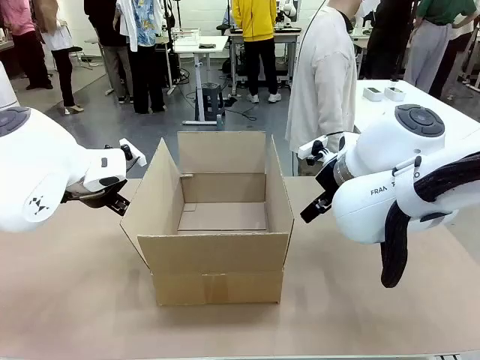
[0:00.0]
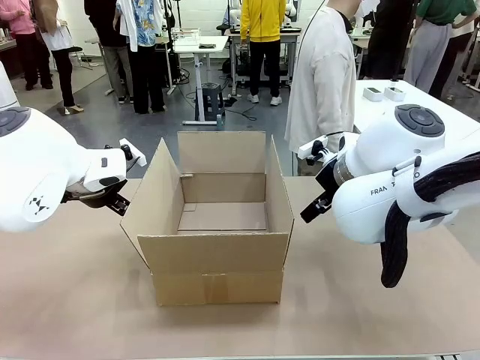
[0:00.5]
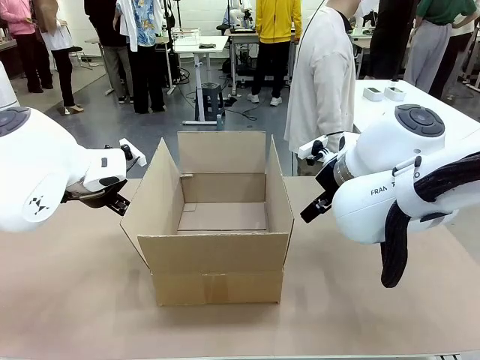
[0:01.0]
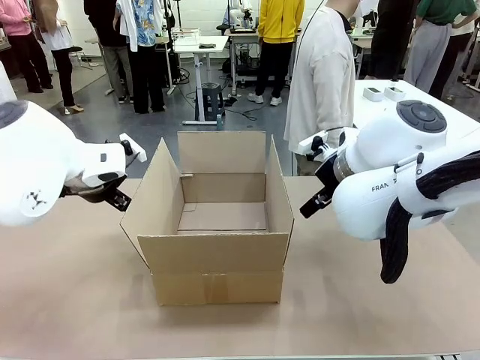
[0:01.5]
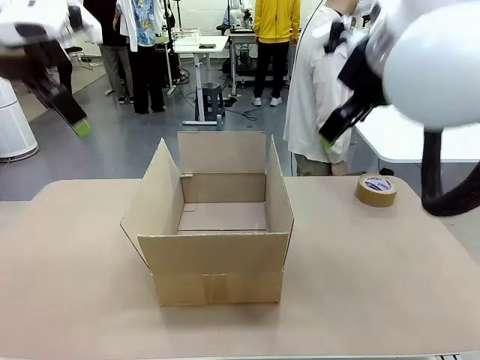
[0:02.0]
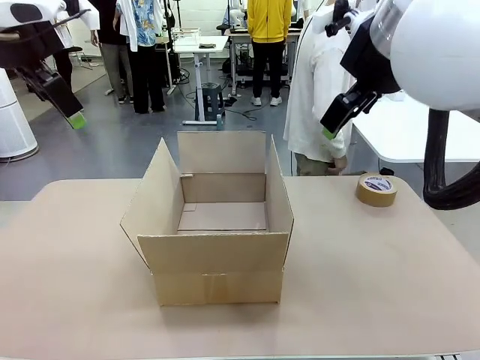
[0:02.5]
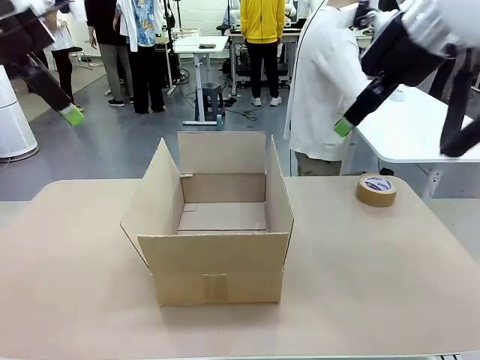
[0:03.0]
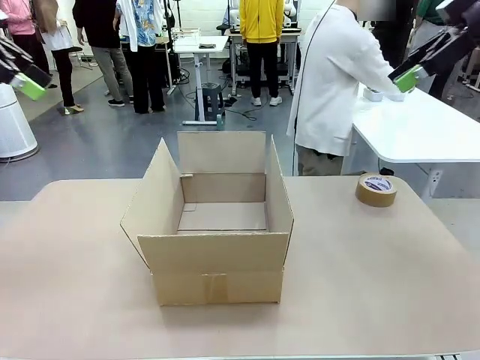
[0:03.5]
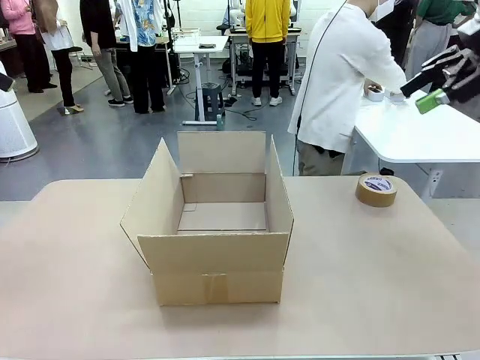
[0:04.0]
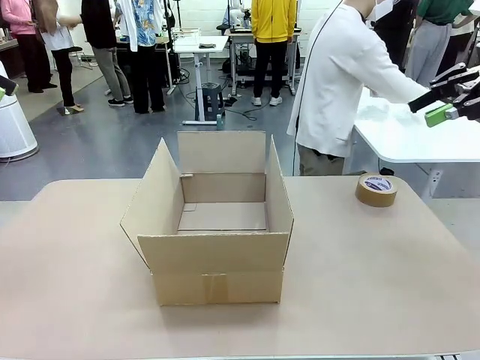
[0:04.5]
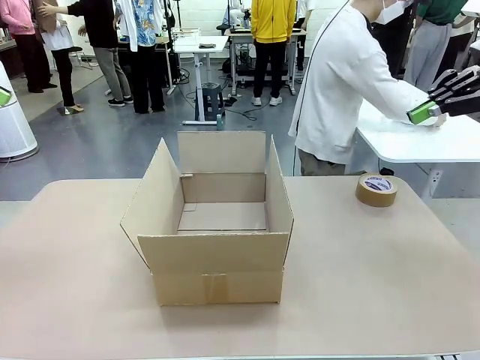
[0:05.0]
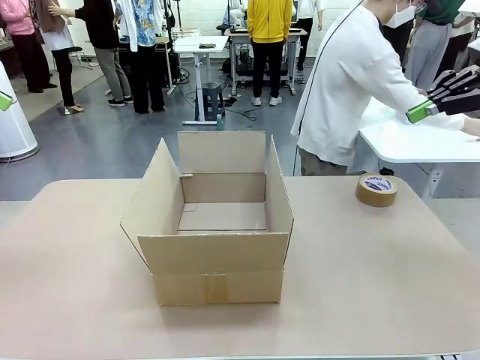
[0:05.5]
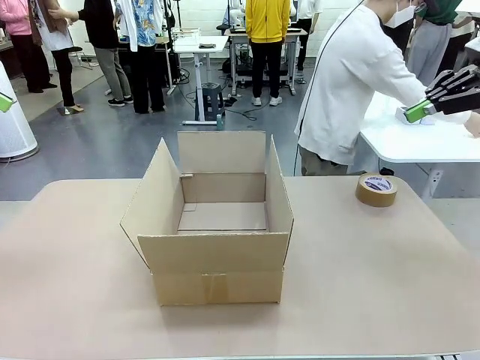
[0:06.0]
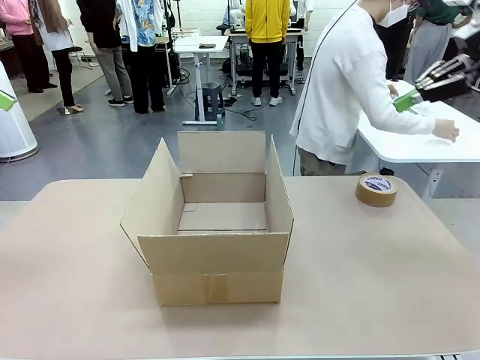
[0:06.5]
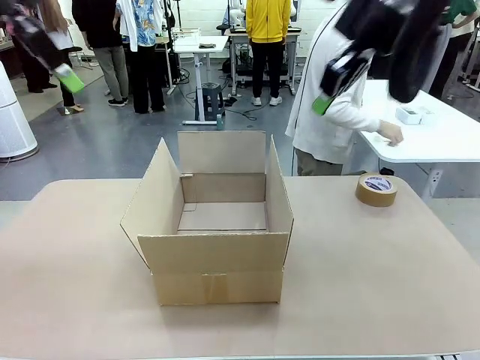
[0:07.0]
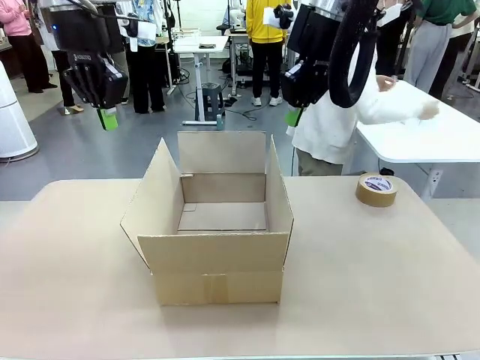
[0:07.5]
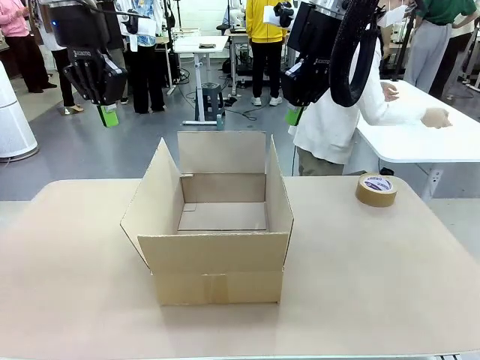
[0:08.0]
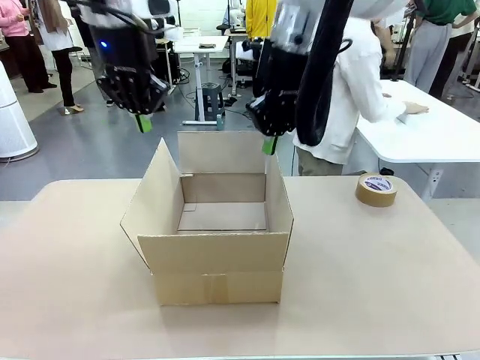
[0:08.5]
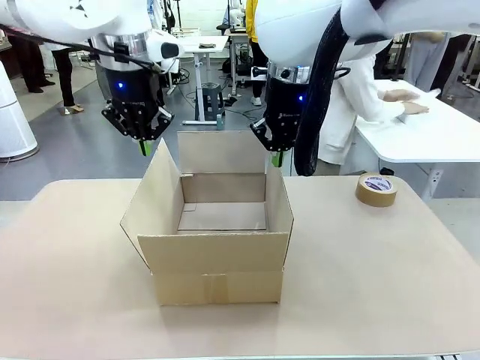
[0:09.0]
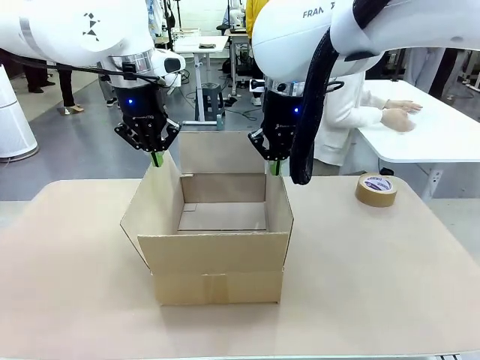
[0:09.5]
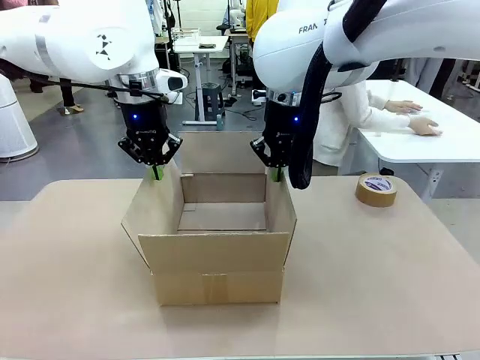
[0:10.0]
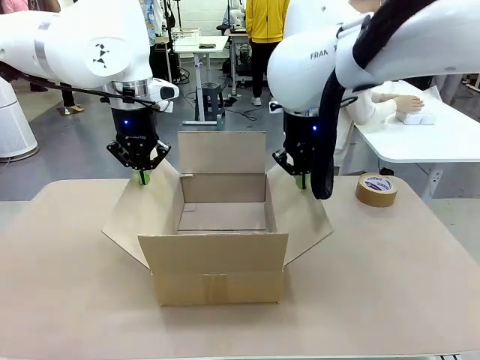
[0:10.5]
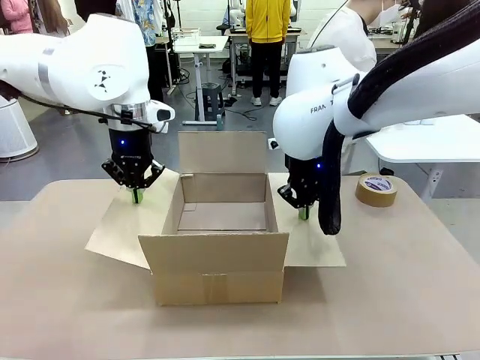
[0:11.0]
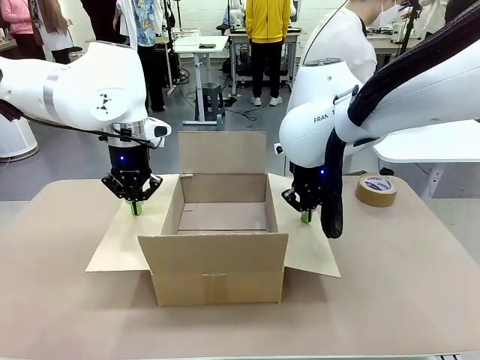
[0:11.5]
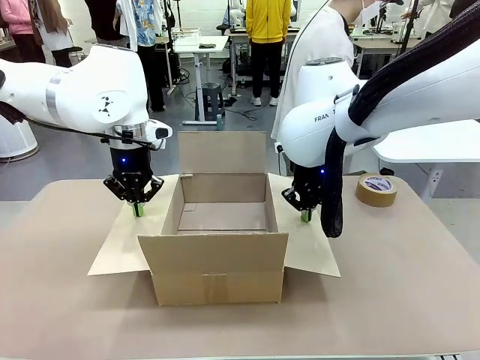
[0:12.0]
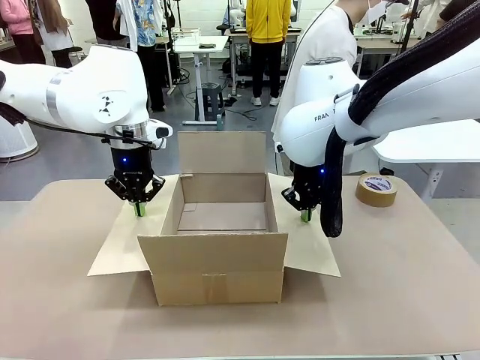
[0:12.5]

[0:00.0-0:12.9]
Task: Wrap the clocks to prevent damage.
Robot: Open the side flaps of the Package Box.
Person: Wrap the two Digital clocks with Bubble Wrap.

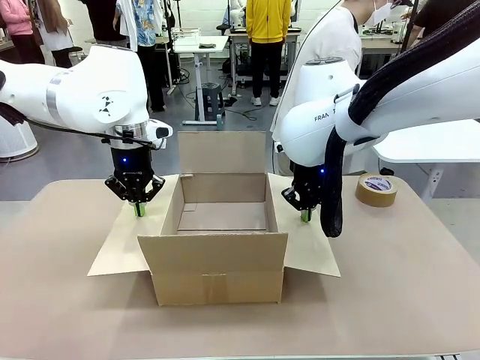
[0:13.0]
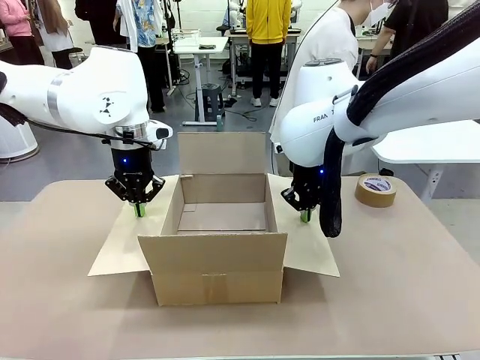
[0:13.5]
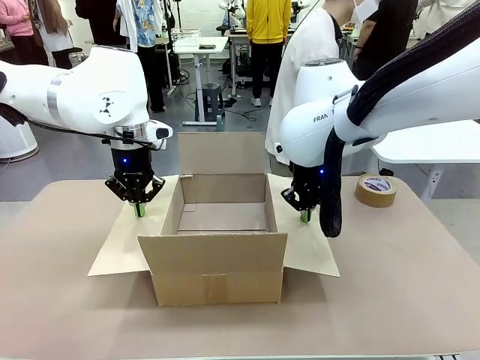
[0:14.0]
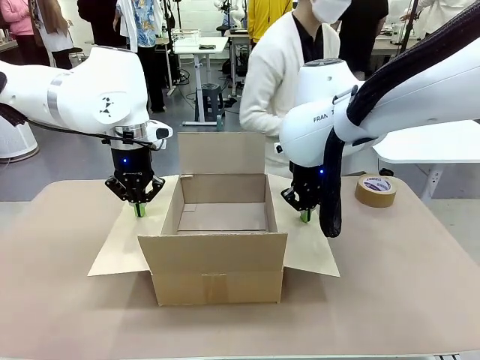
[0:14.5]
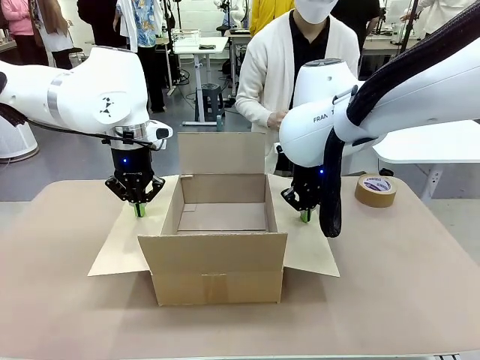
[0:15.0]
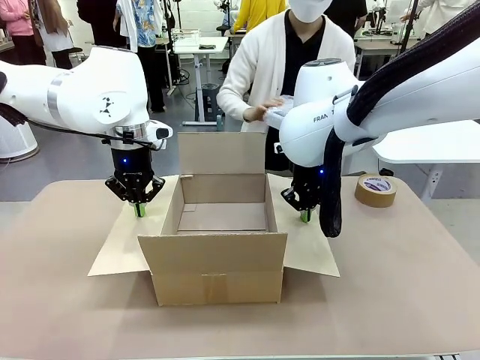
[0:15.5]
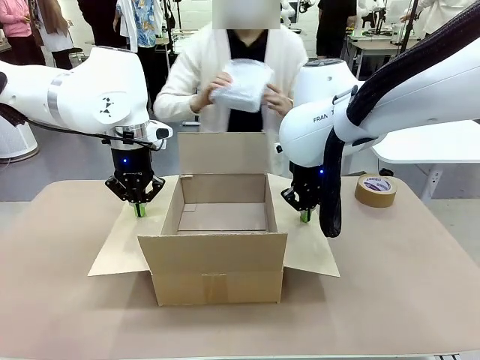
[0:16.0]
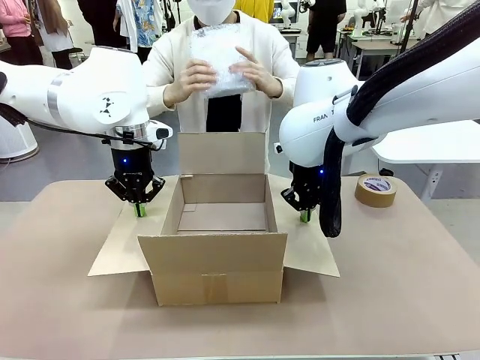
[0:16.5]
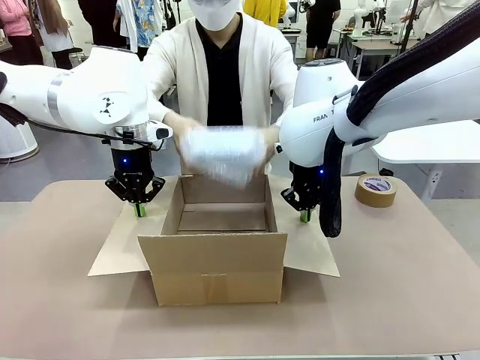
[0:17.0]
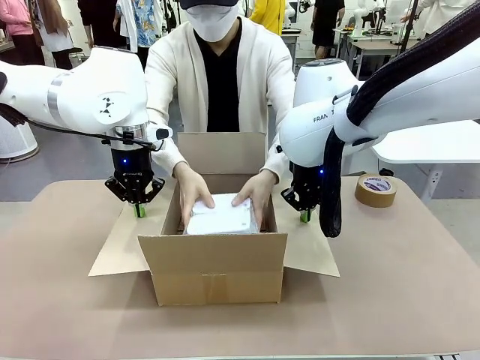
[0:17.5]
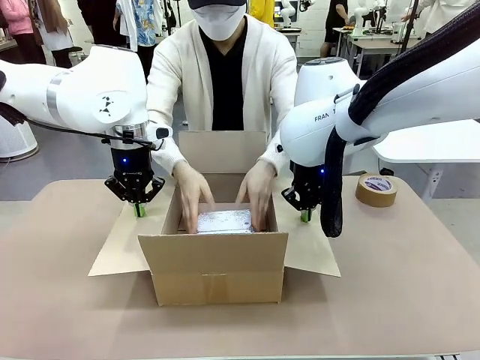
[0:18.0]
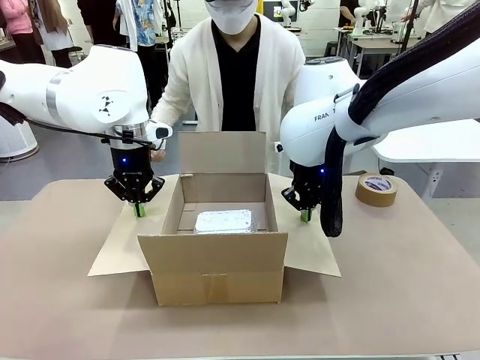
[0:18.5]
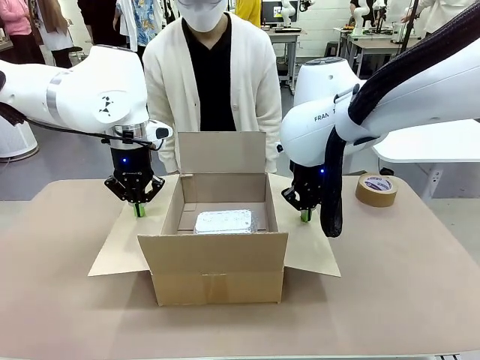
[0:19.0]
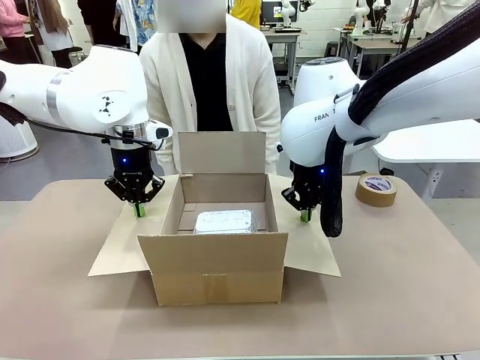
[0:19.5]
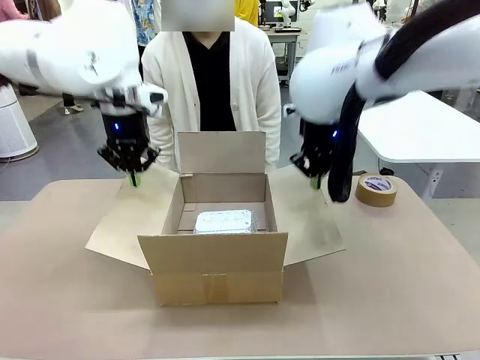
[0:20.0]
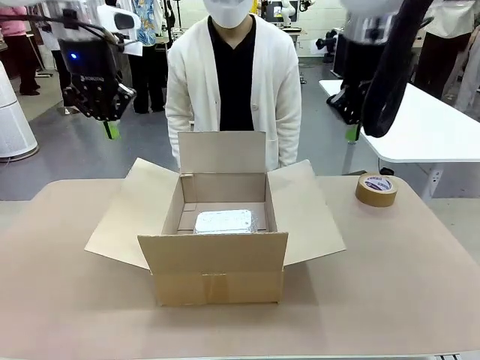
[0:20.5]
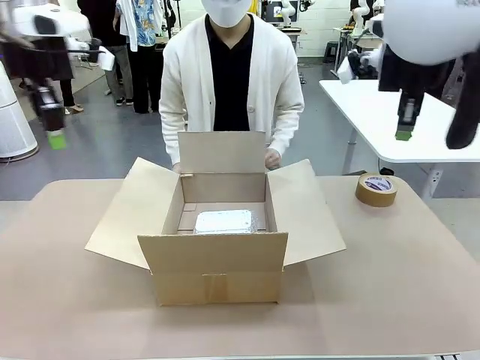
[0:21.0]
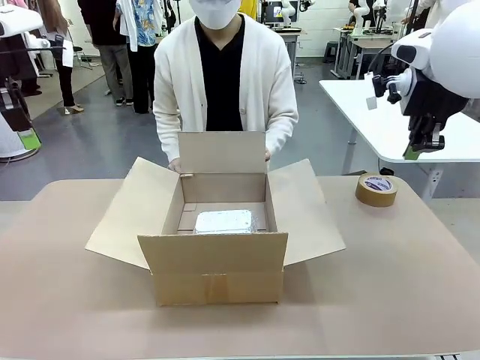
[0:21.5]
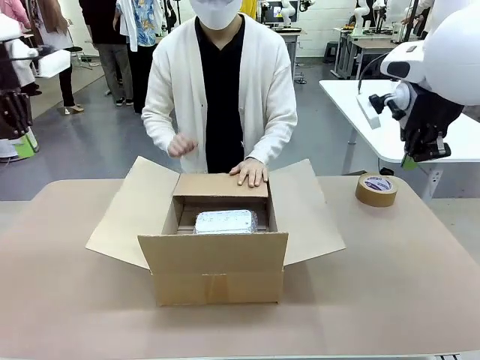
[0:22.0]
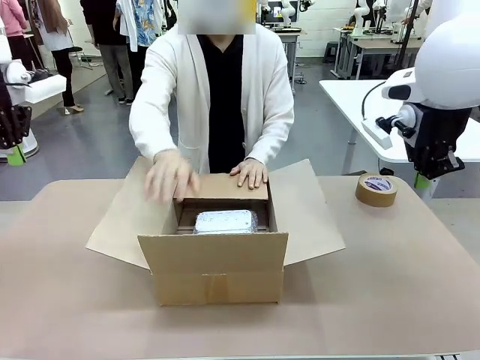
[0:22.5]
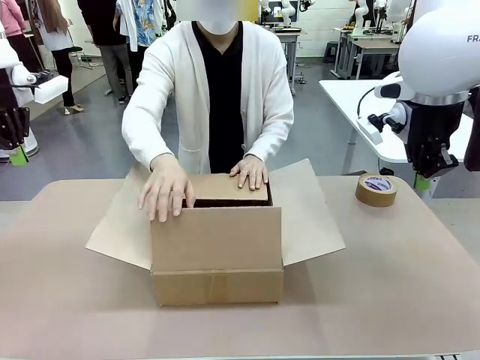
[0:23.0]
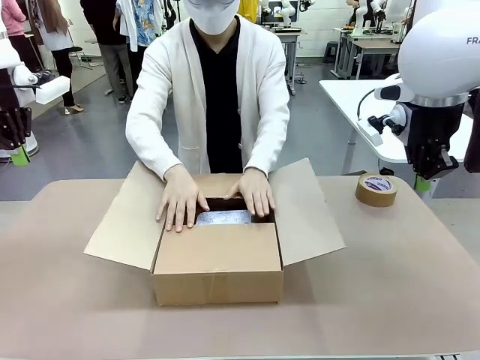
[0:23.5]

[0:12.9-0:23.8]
Robot: Once the human has placed the objects inside and stepped back, release both hands from the side flaps of the Package Box.
Person: Place the wrapped Digital clocks inside the Package Box. Hold the top and bottom flaps of the Package Box closed with your left (or right) hand.

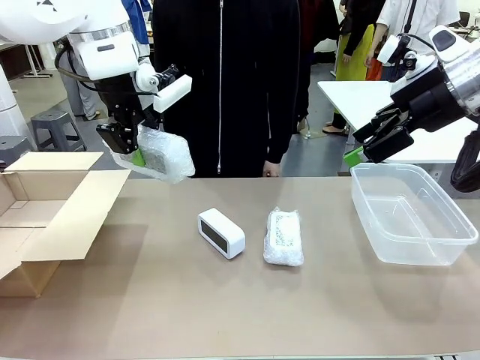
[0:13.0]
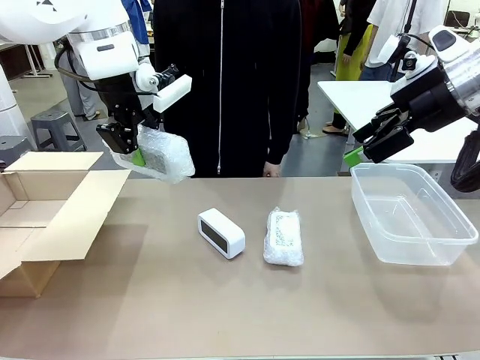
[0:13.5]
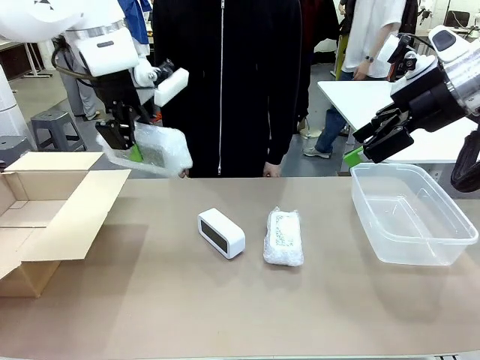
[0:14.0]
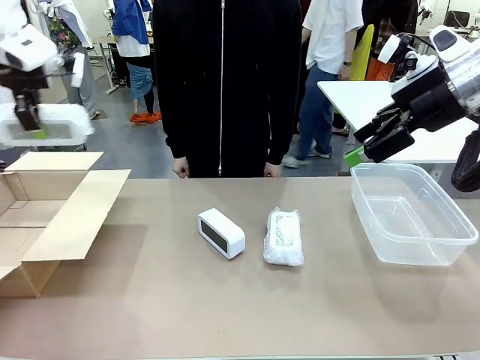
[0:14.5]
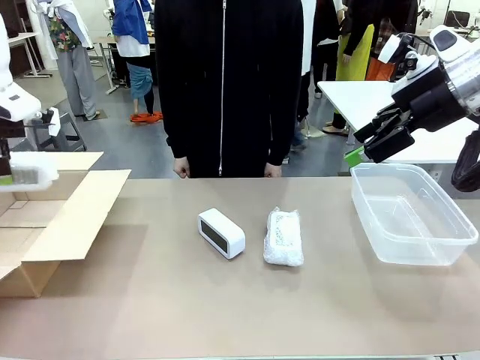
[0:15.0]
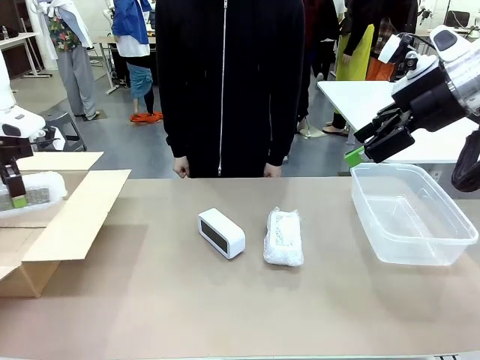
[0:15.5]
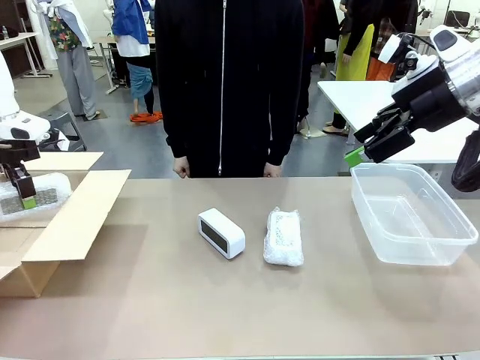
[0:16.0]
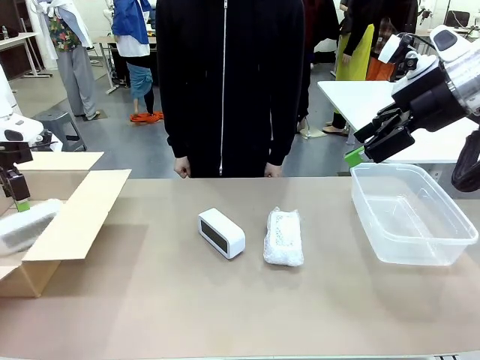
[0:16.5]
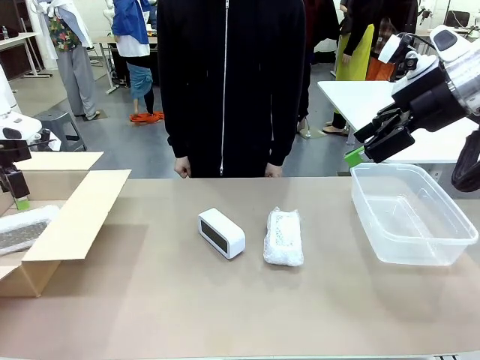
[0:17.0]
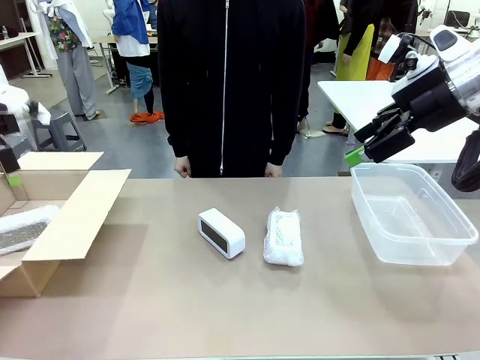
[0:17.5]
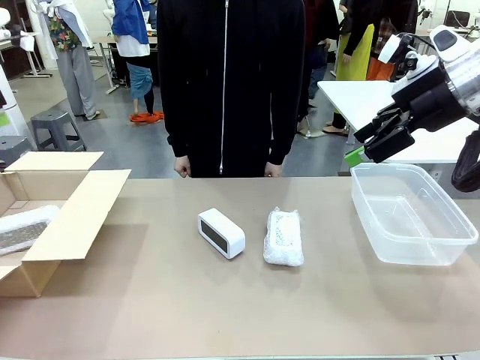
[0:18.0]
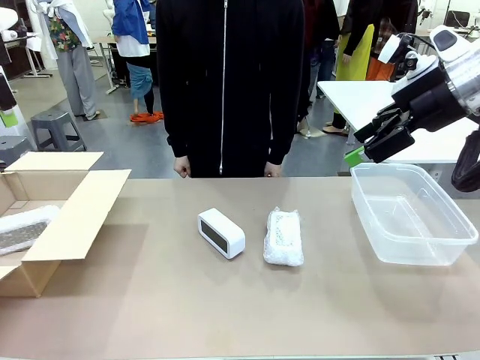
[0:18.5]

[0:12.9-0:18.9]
Task: Separate and place wrapped and unwrapped clocks.
Robot: If the picked Digital clock is wrapped, place it in the Package Box ; if not, place it in the Organizing box.
